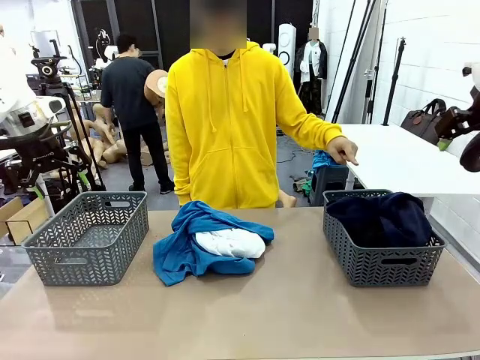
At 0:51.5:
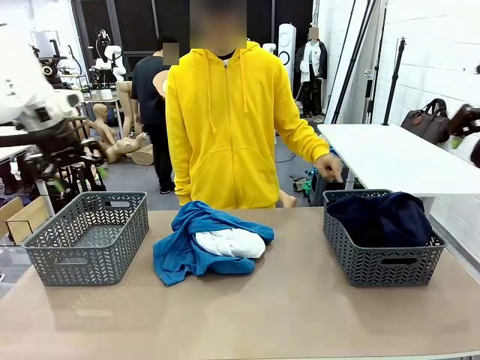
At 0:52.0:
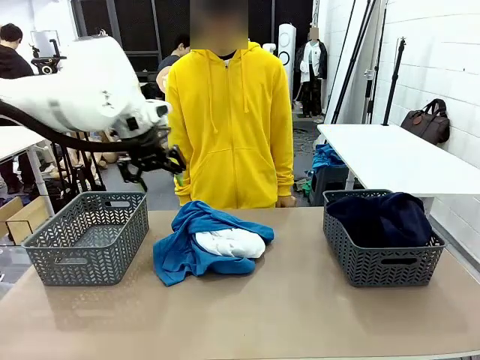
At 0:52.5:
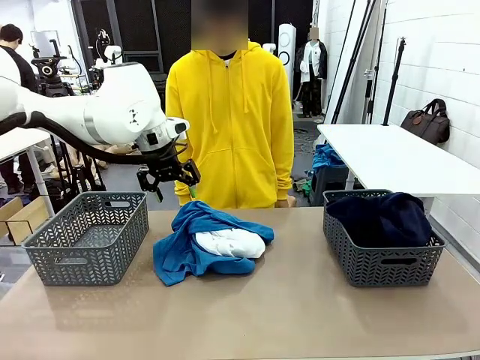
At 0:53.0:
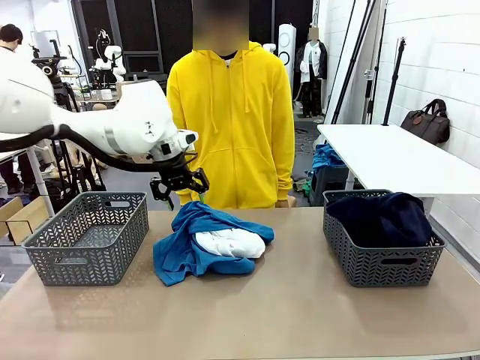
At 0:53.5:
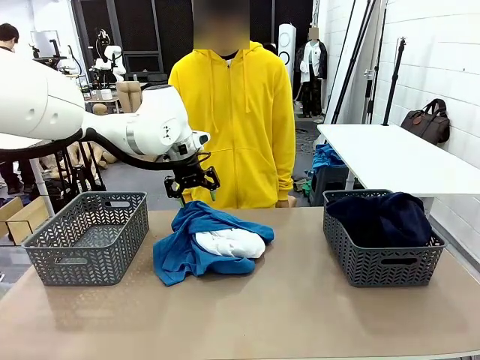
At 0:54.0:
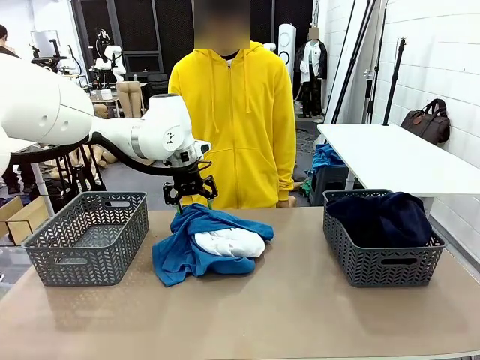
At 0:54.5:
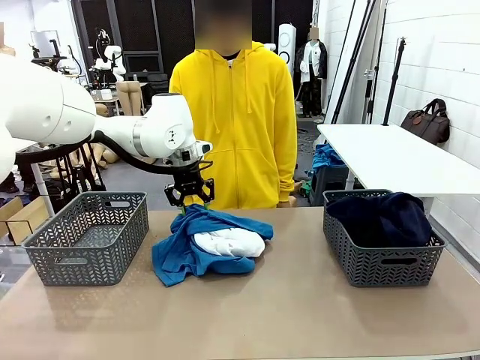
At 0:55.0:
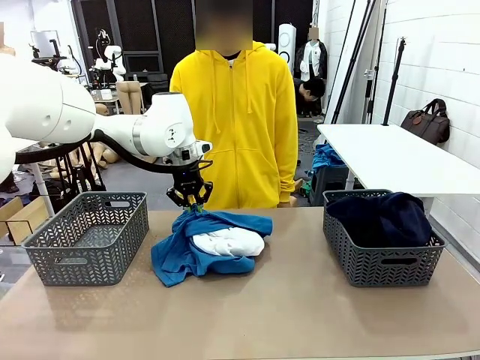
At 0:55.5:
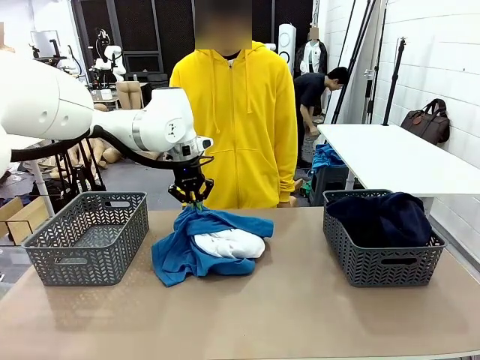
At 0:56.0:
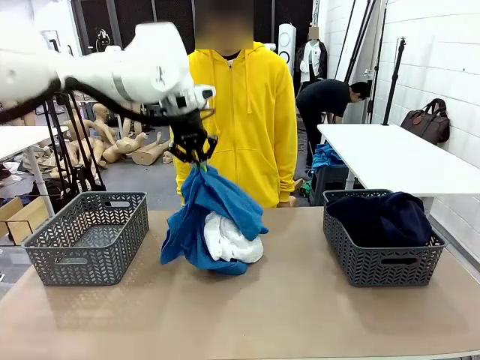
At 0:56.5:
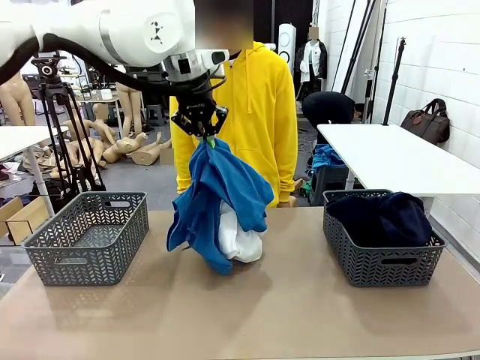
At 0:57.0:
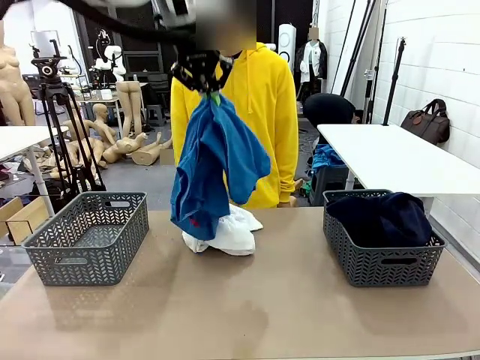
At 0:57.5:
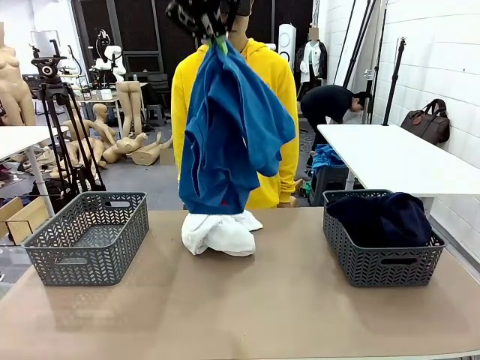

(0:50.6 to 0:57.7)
Task: Sort the tops and bottoms.
Robot: Lift clothes from the center of the table with your left hand.

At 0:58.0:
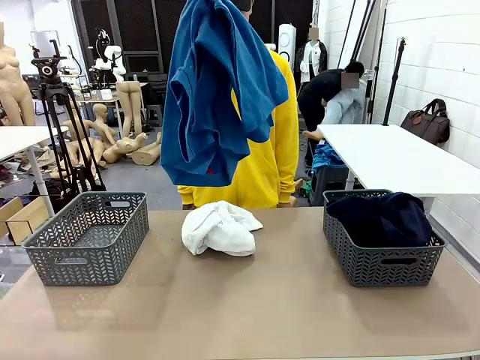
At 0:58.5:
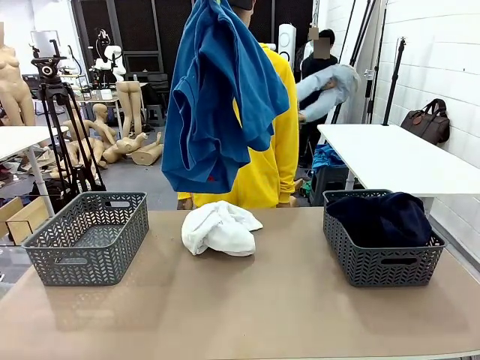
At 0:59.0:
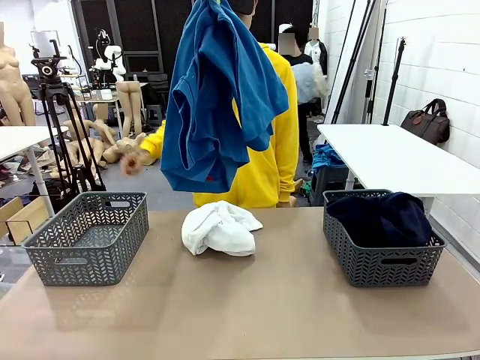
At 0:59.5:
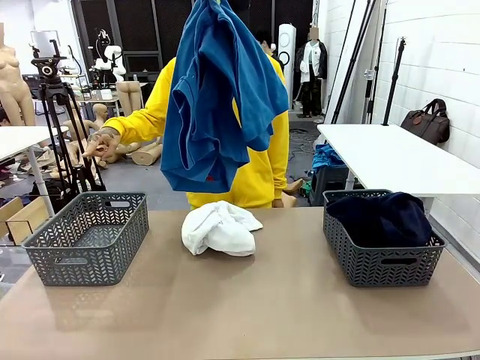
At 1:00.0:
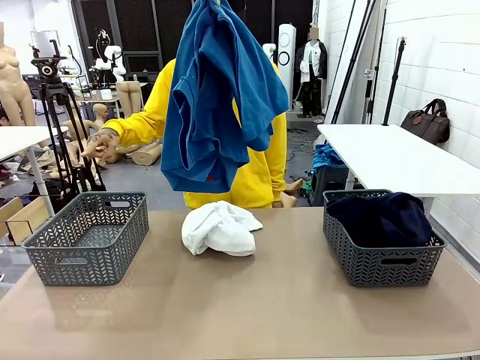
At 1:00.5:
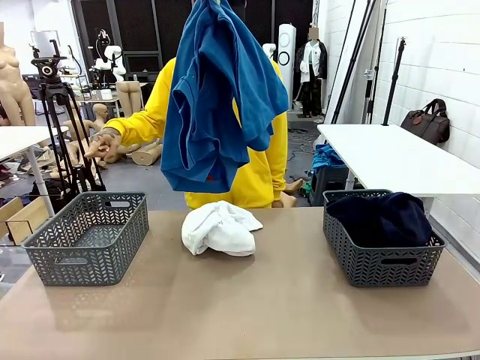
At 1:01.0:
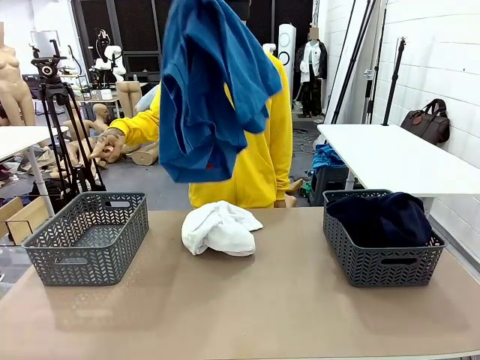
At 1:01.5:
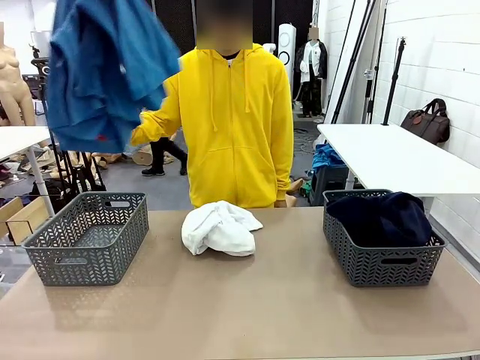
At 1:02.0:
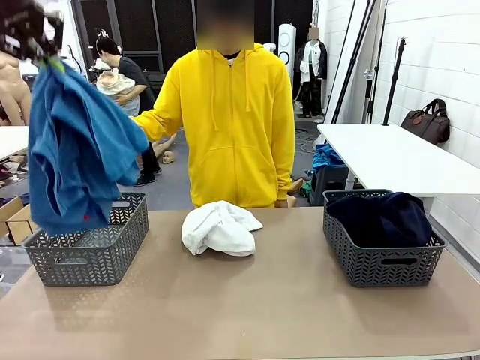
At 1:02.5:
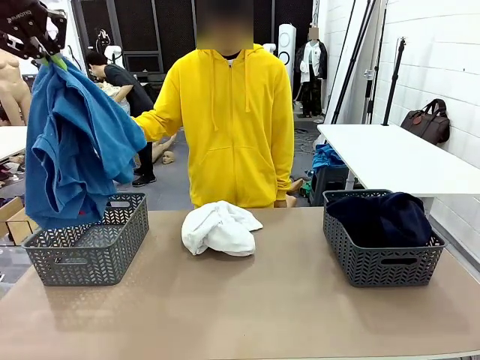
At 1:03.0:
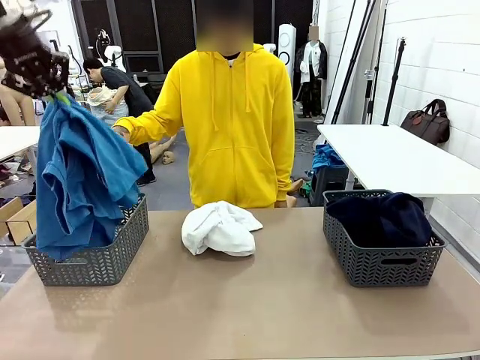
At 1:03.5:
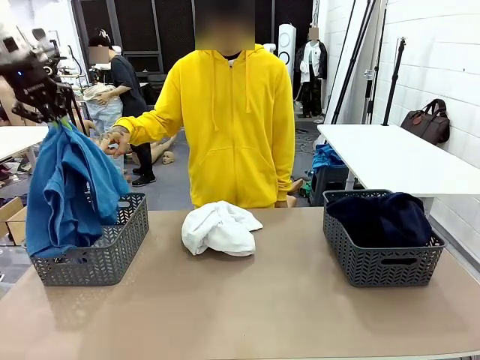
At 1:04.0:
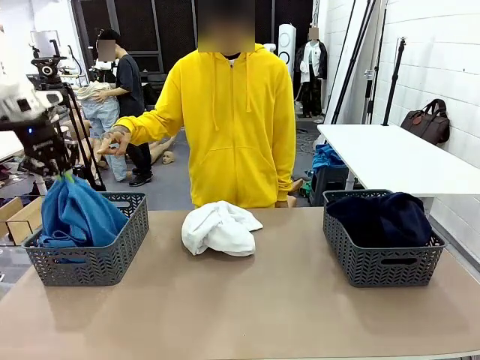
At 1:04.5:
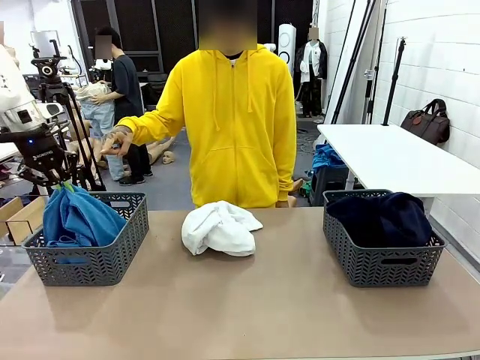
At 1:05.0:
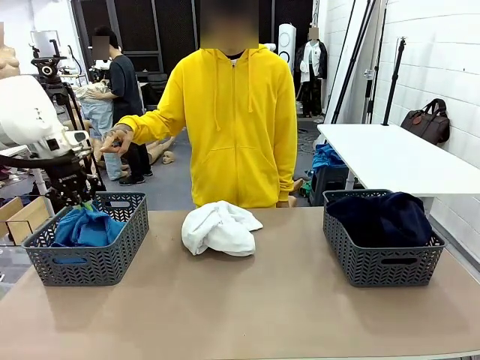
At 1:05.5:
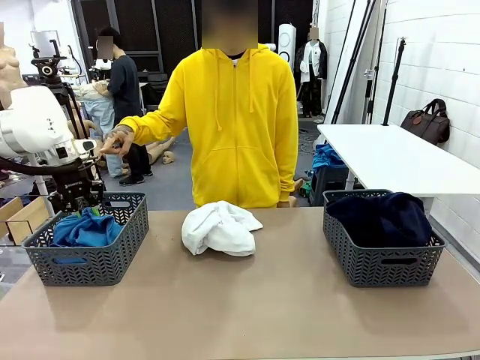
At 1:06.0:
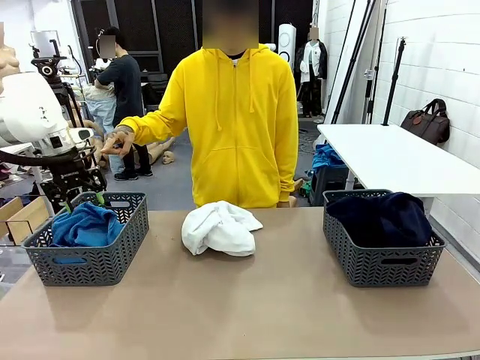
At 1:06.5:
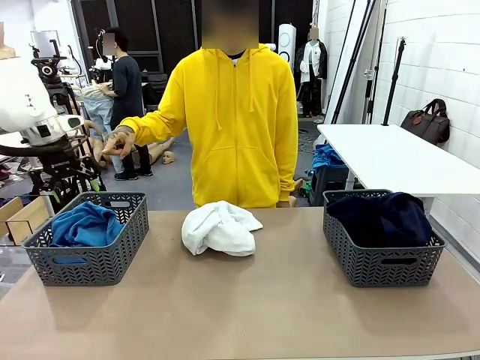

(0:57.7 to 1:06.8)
Robot: Sort the clothes according to human instructions.

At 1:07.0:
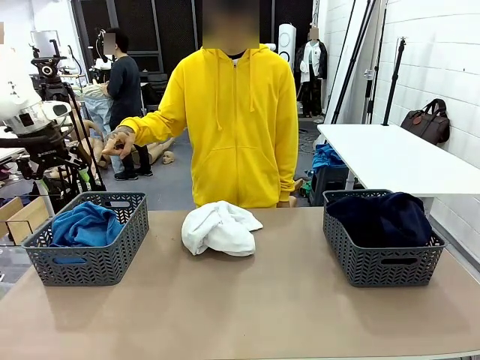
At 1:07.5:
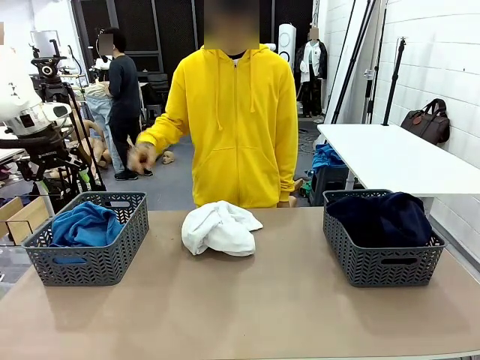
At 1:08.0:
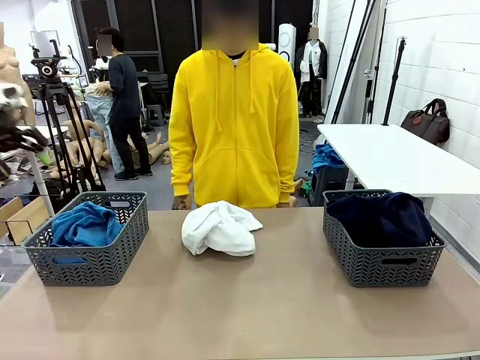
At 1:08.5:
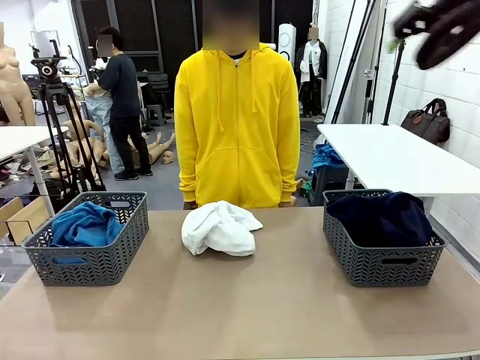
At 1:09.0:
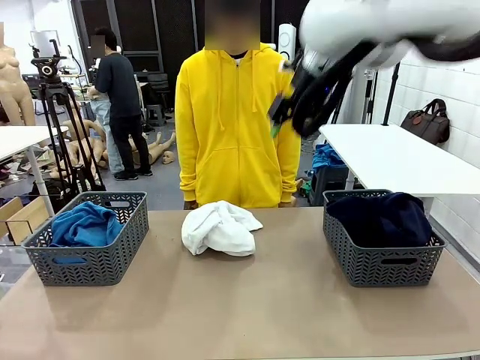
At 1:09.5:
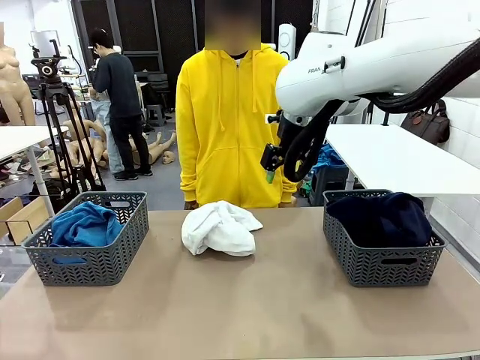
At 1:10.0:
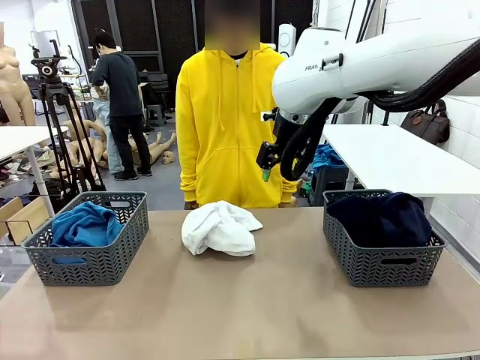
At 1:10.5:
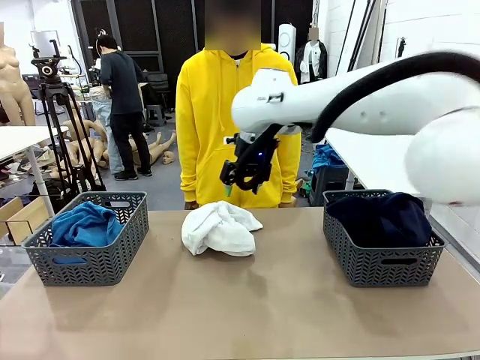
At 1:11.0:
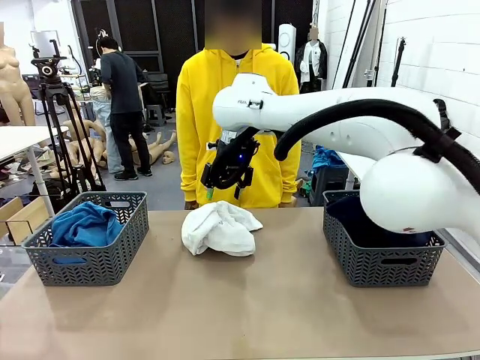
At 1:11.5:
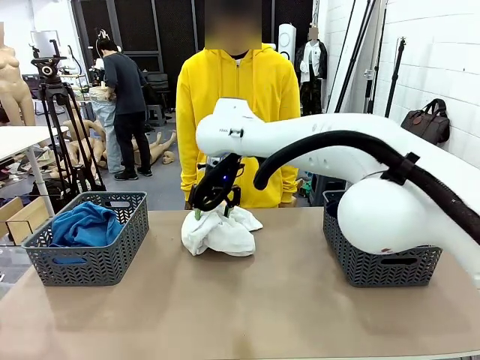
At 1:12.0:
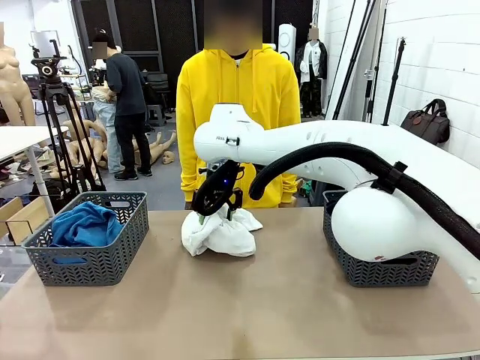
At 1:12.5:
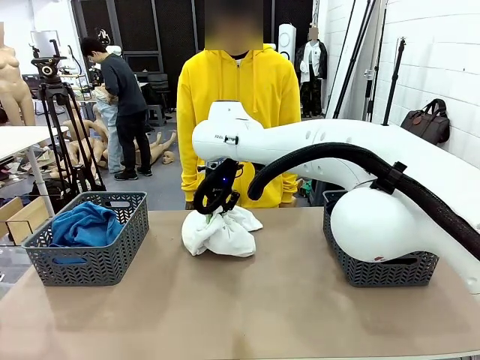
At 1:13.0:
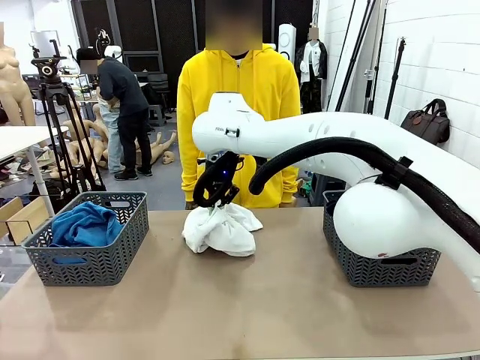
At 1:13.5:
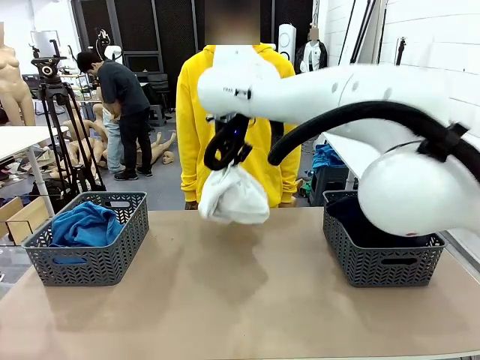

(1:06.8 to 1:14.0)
Robot: Lift clothes from the center of the table with your right hand.

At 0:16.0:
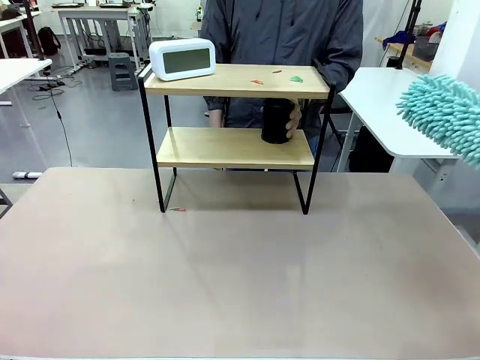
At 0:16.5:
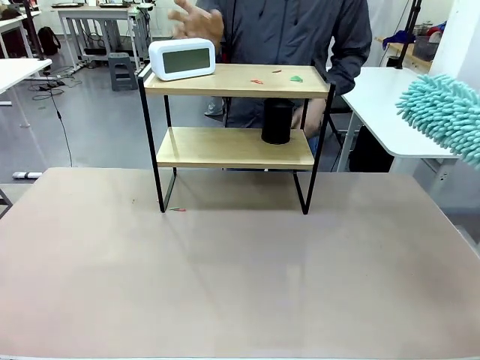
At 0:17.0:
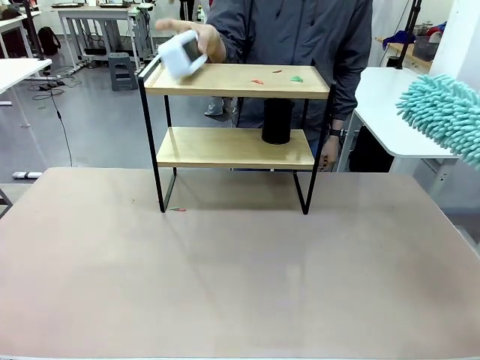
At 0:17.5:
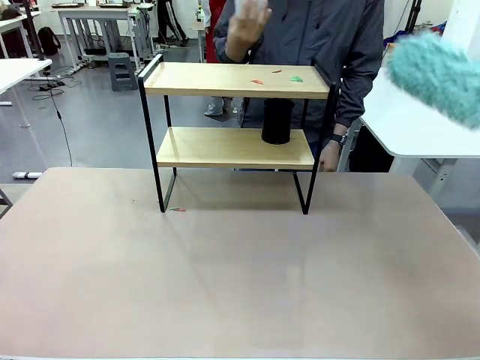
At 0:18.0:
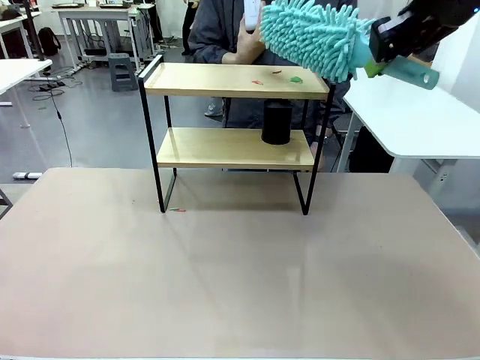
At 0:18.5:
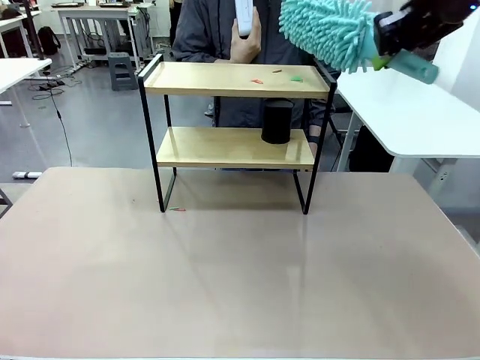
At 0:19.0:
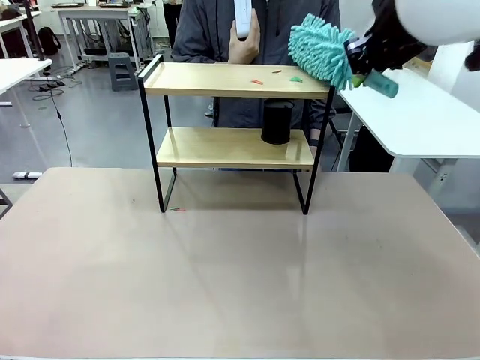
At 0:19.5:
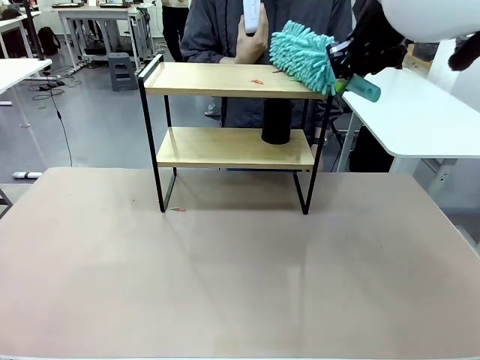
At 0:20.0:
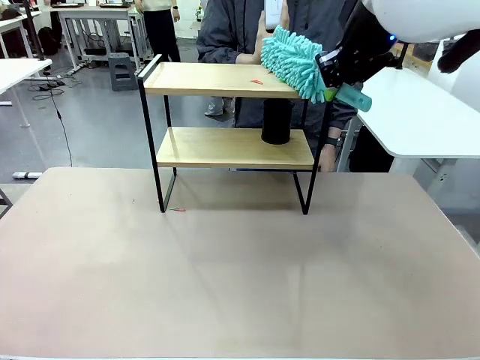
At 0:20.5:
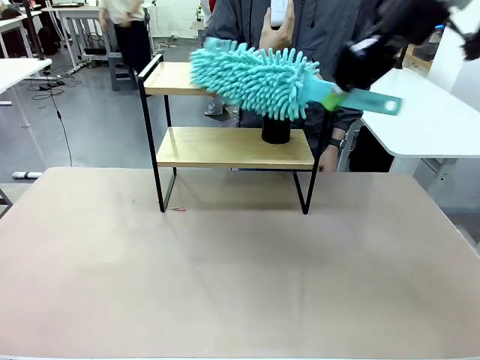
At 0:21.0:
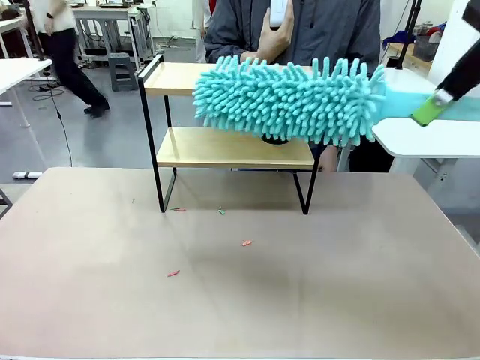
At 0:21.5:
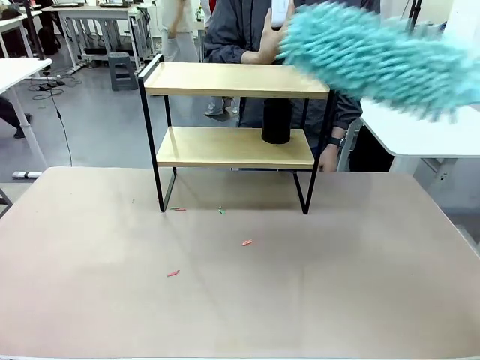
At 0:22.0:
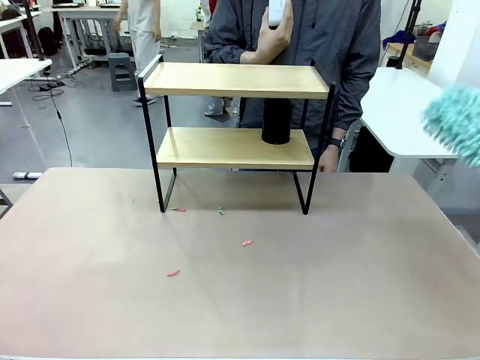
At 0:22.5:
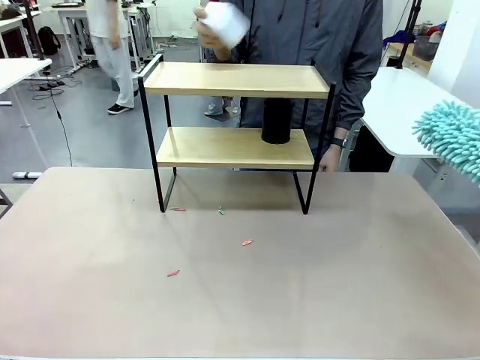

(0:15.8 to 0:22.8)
Task: Clean the shelf.
Robot: Clean the remaining tier of the Shelf with the Duster once objects are removed.
